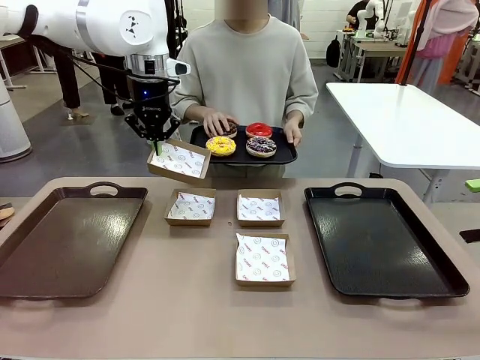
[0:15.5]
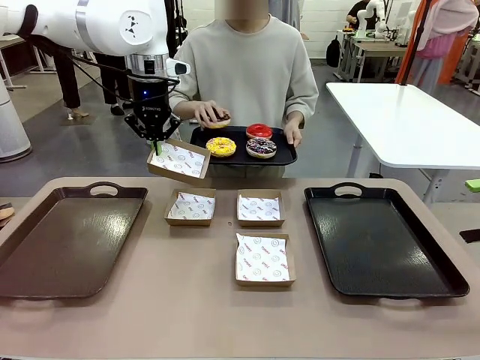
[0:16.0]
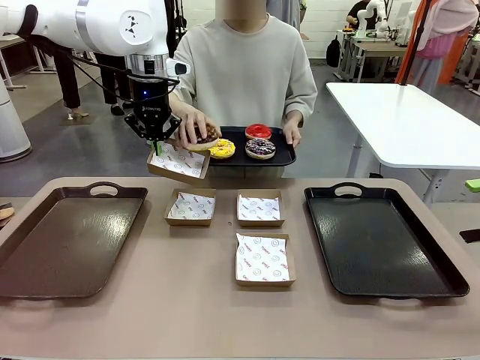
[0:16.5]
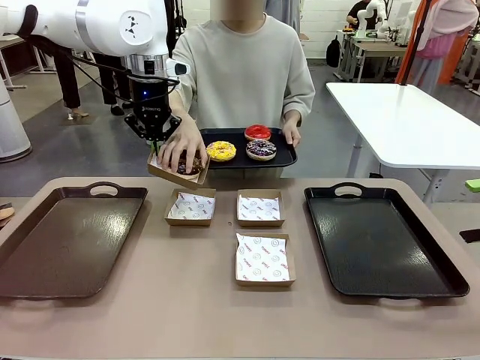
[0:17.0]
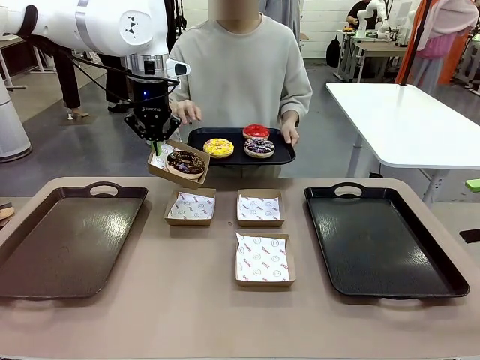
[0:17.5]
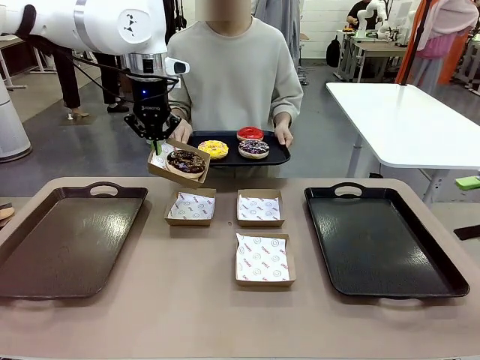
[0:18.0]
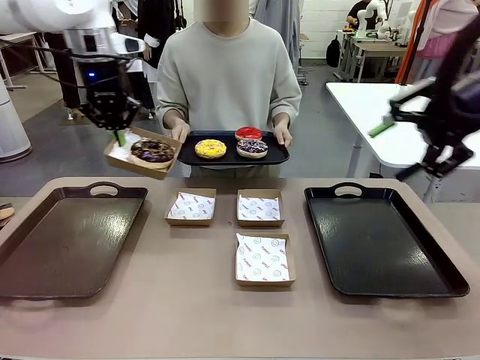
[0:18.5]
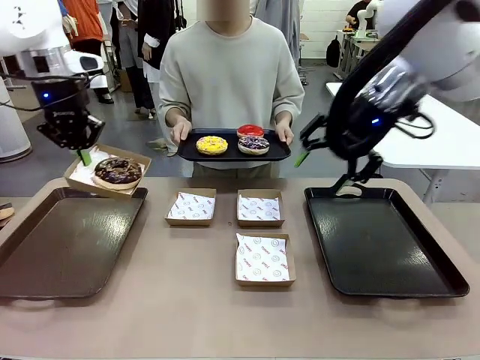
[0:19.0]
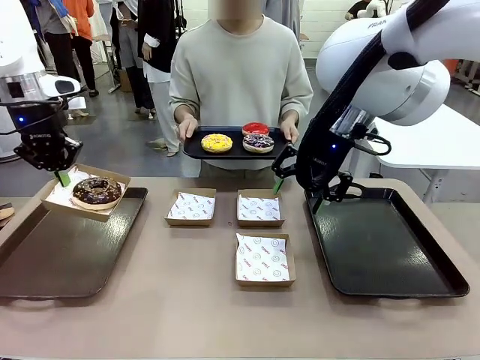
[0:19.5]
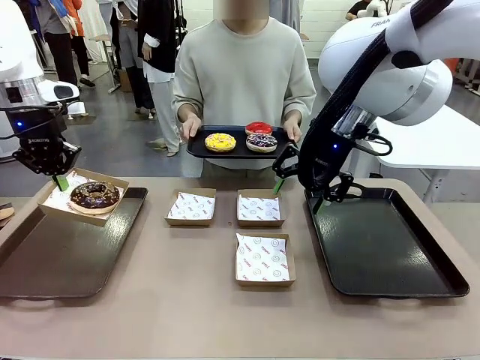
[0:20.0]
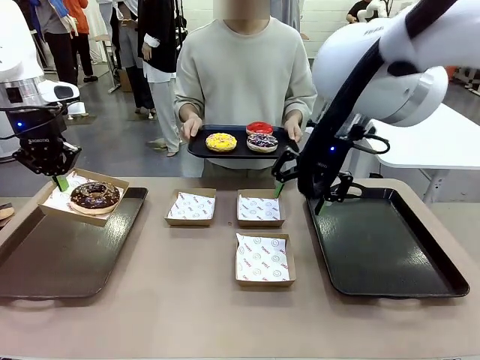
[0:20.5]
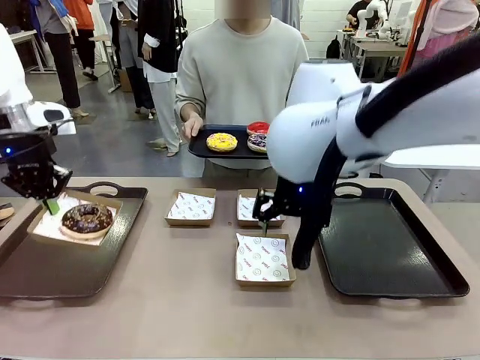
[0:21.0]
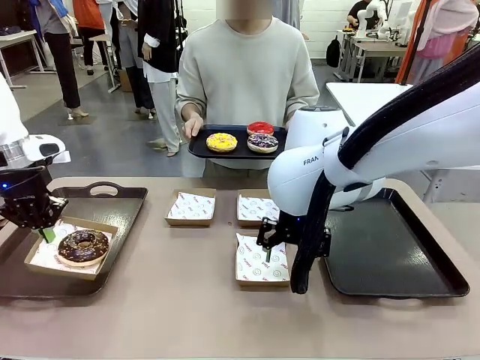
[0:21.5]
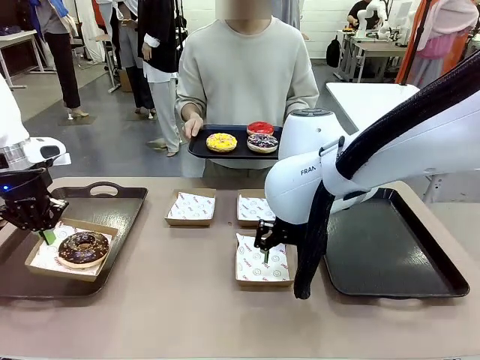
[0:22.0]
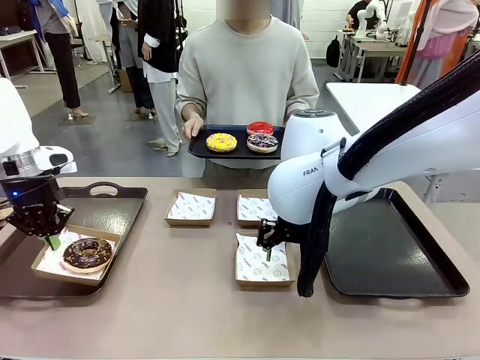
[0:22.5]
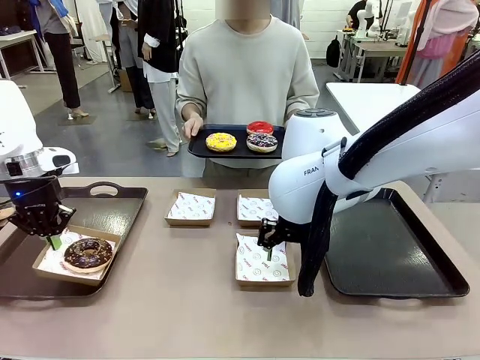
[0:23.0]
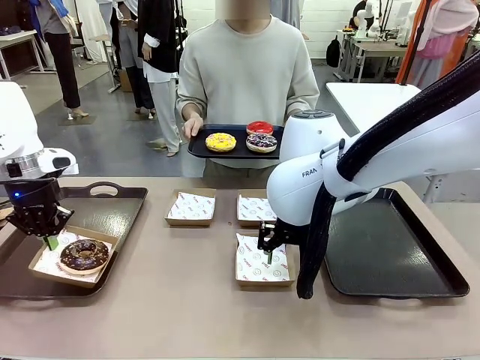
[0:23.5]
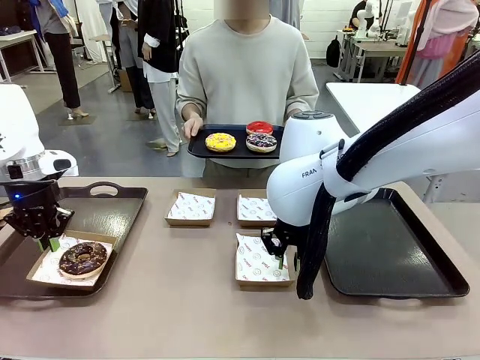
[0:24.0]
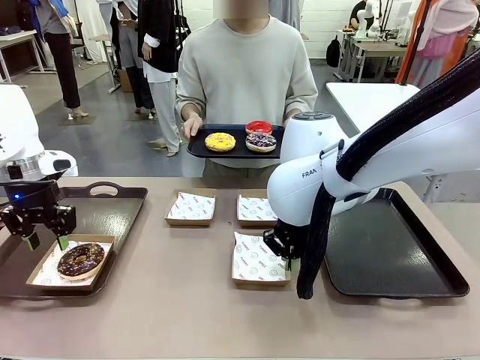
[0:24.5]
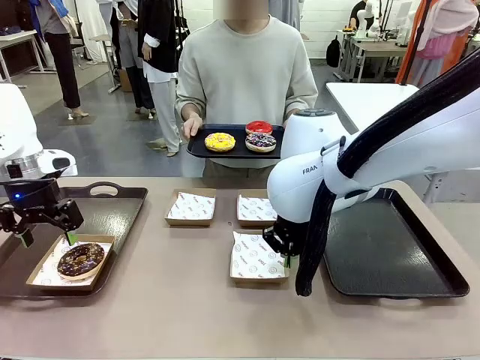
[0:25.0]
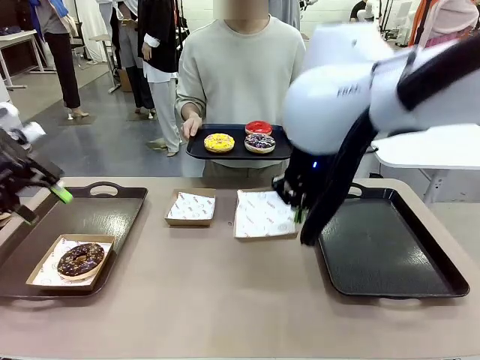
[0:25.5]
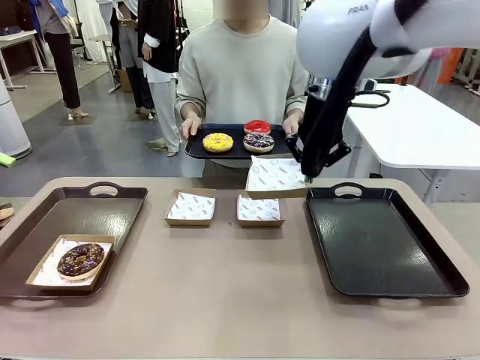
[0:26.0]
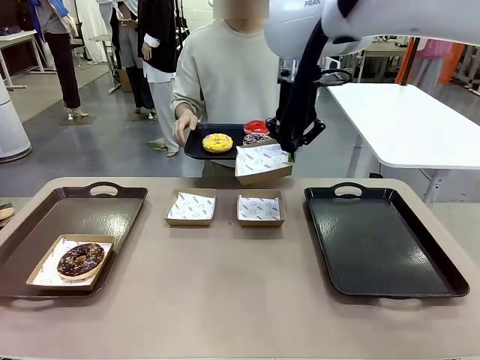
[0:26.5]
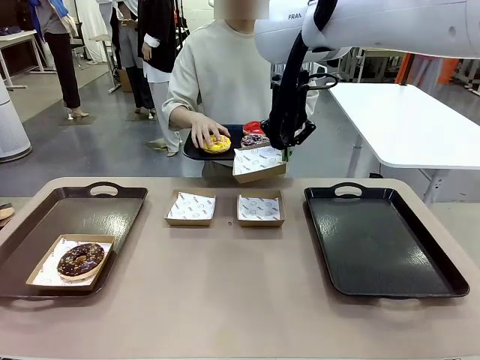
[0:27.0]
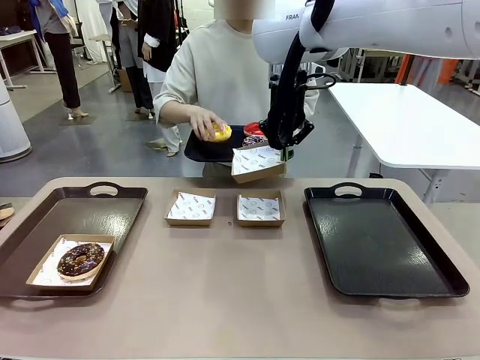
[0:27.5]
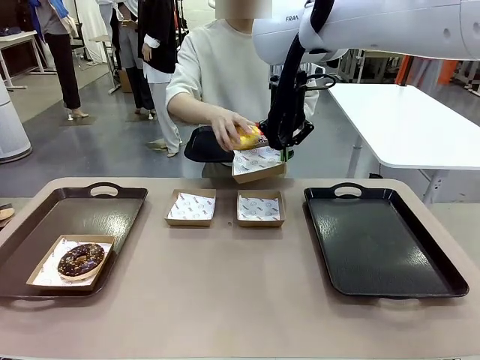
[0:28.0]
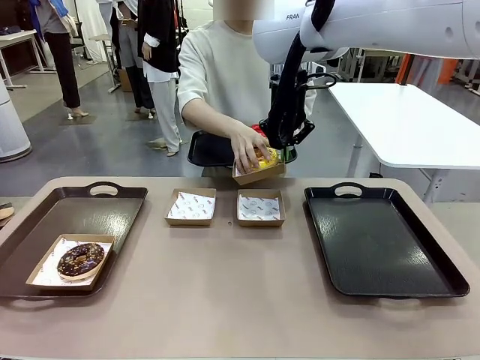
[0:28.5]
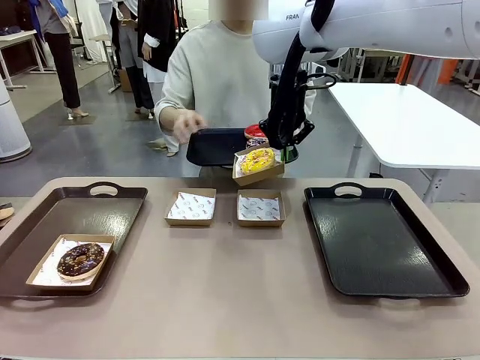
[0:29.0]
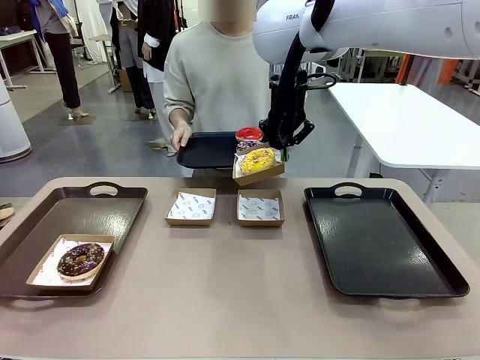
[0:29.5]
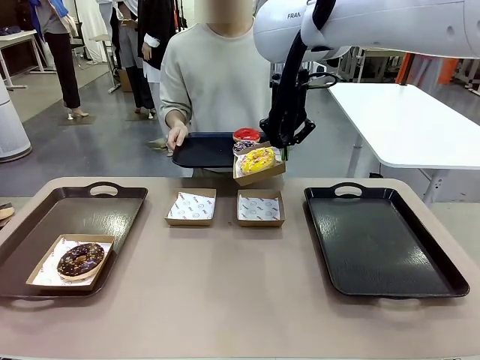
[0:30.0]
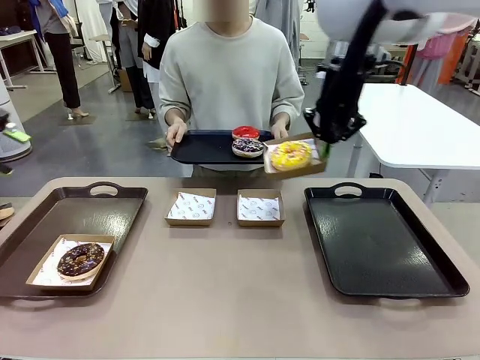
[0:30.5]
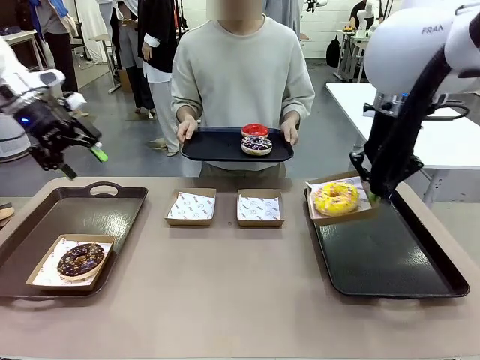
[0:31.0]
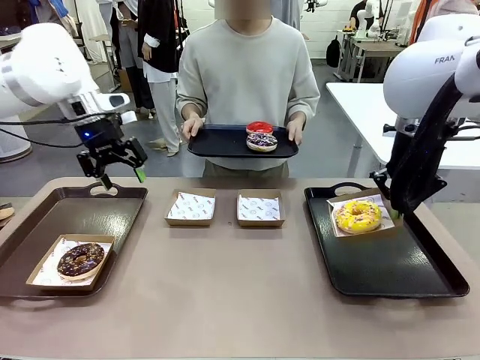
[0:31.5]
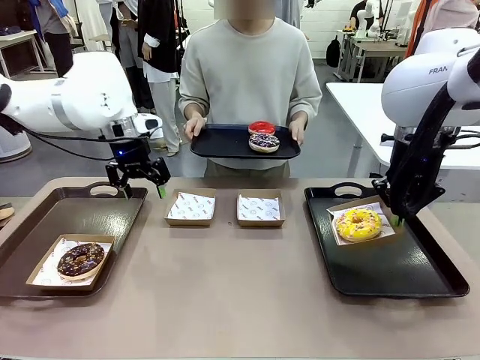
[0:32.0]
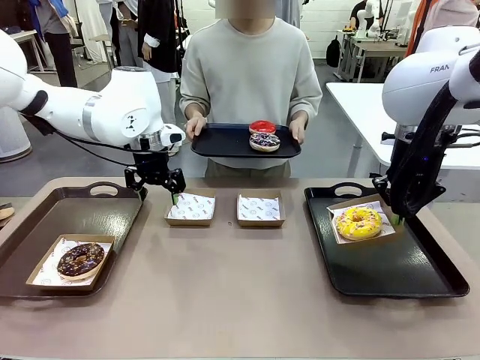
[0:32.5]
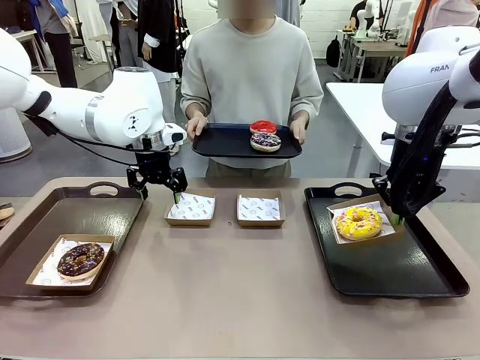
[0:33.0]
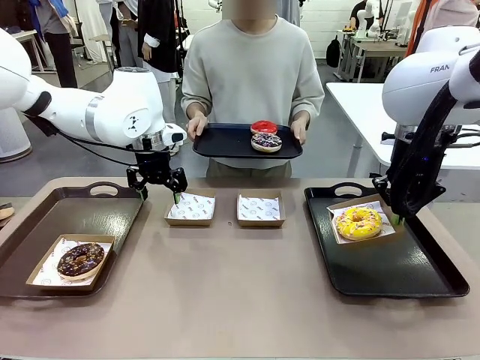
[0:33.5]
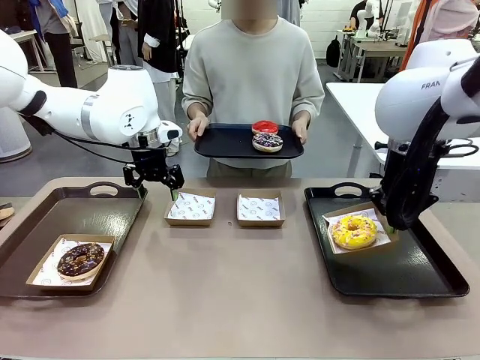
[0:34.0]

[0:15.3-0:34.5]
Task: Individually package the donuts and arrange them on the tray.
Robot: Place the picked Paper togo box on the Handle tray while simultaneously picking up another Paper togo box from the table with the other hand.

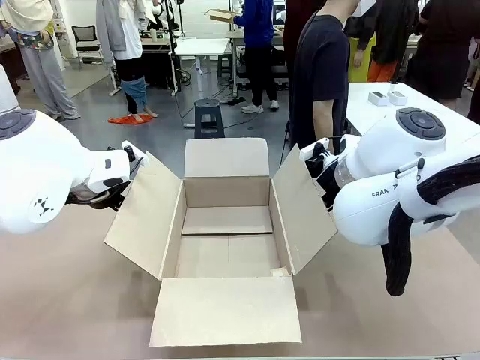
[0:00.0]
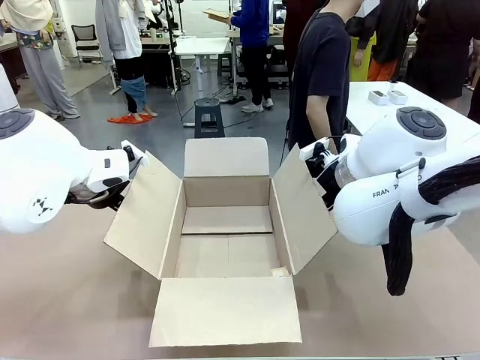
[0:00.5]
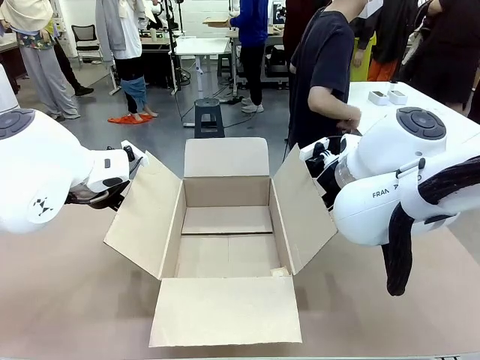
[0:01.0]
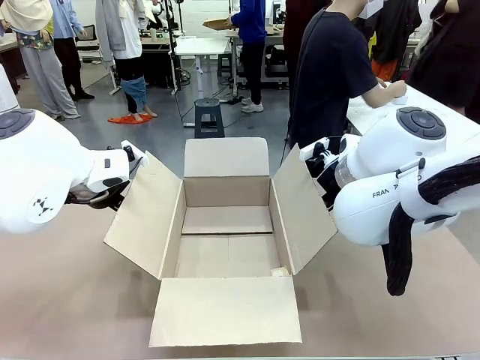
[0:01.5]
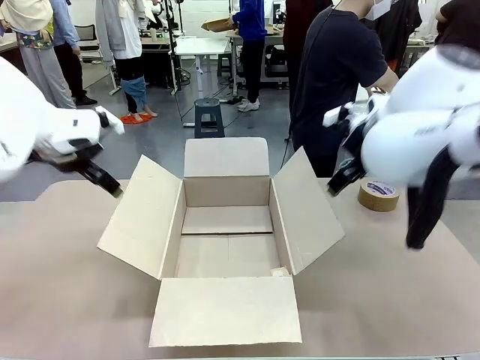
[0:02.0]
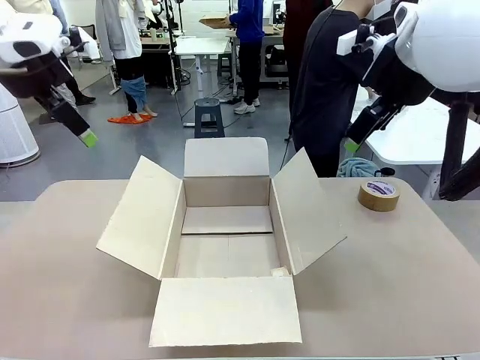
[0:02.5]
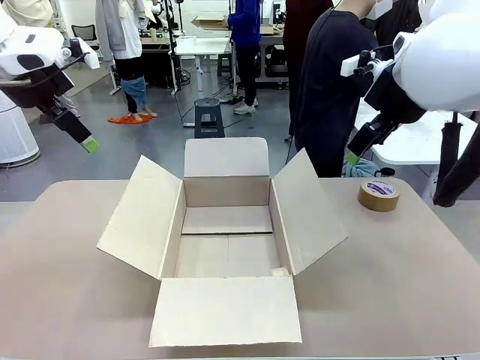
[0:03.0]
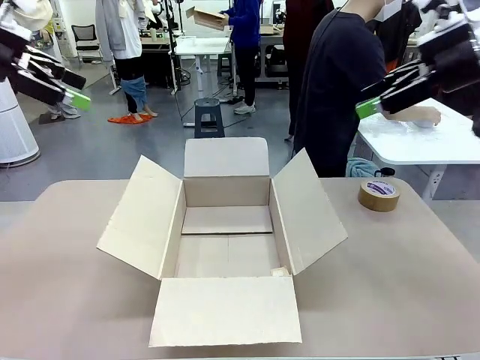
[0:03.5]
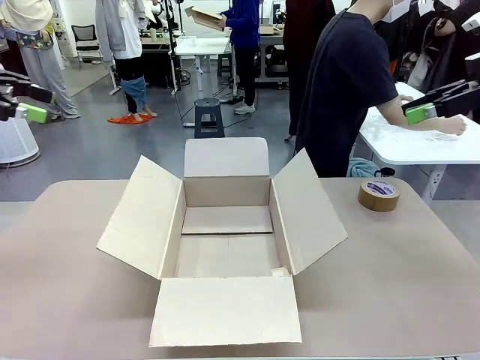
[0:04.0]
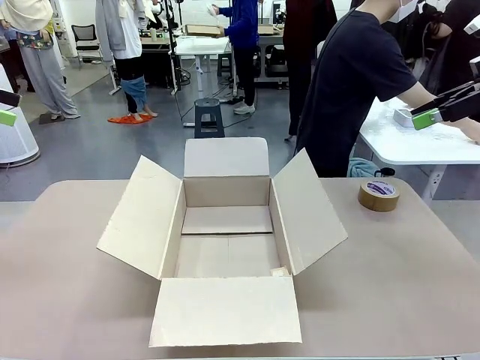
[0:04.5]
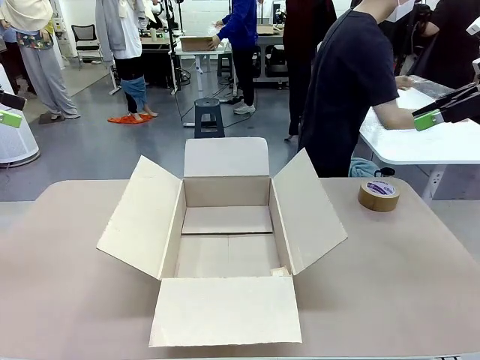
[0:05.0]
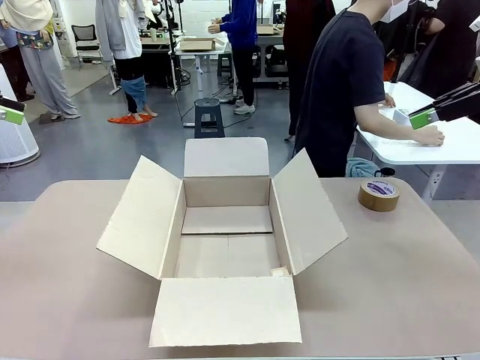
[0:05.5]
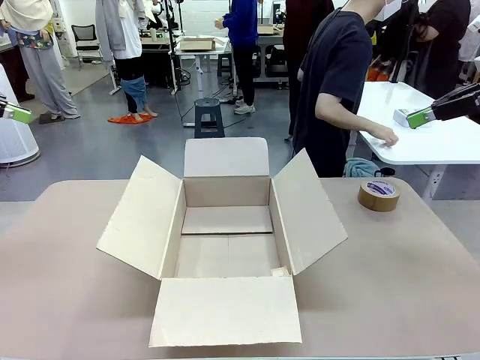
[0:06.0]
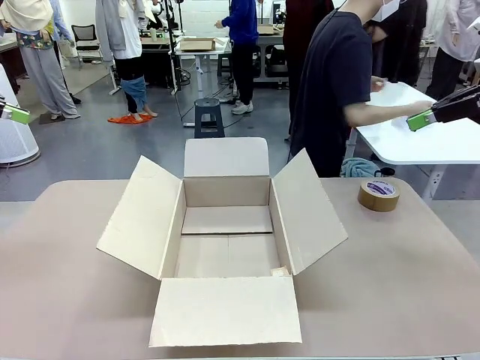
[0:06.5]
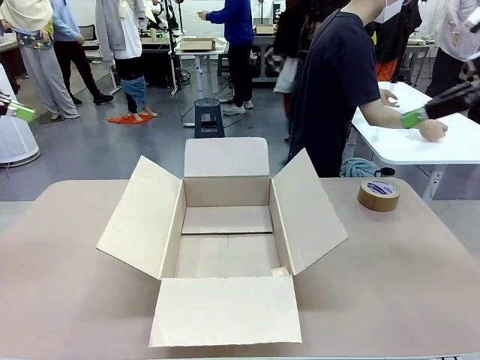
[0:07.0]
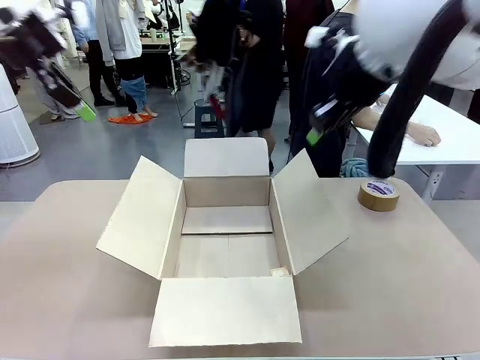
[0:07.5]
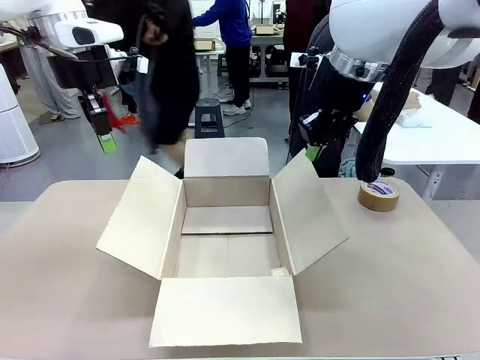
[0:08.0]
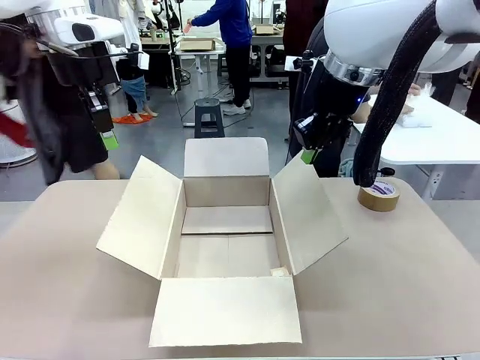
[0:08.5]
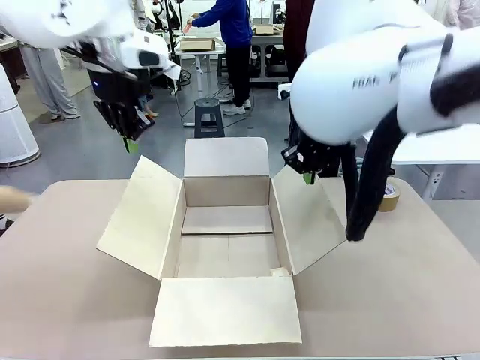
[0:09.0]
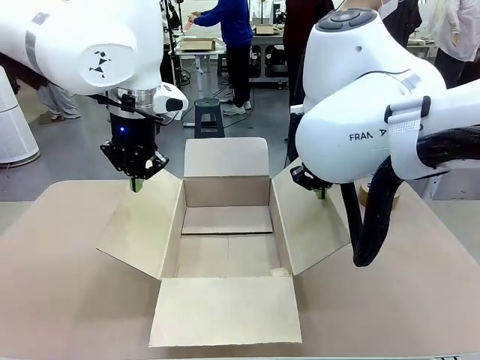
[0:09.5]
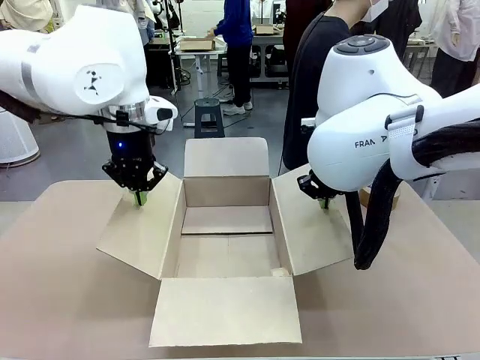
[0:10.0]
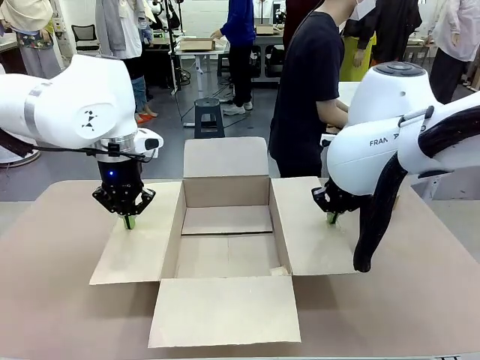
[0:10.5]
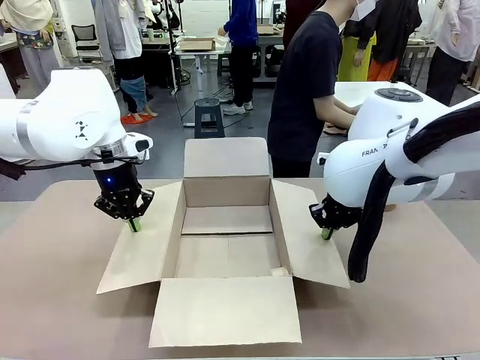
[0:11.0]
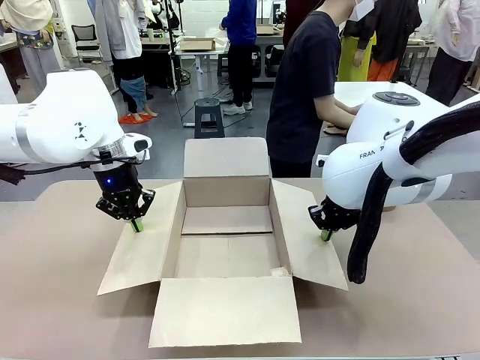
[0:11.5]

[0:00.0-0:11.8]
Task: Wrap the clocks to prevent damage.
Robot: Open the side flaps of the Package Box.
Person: Wrap the two Digital clocks with Bubble Wrap.
